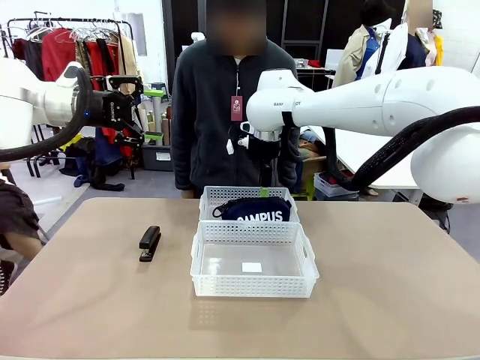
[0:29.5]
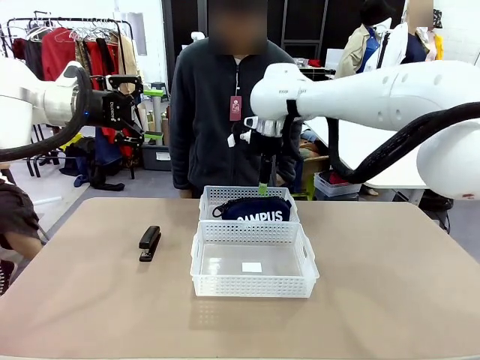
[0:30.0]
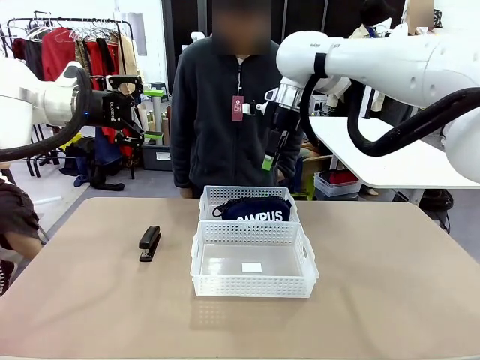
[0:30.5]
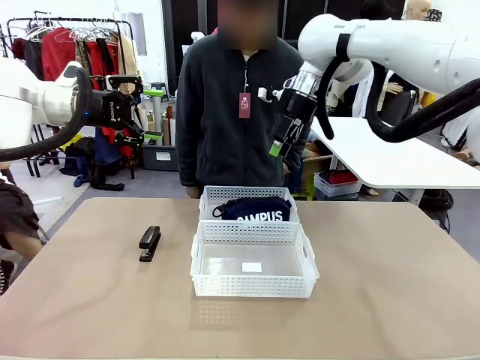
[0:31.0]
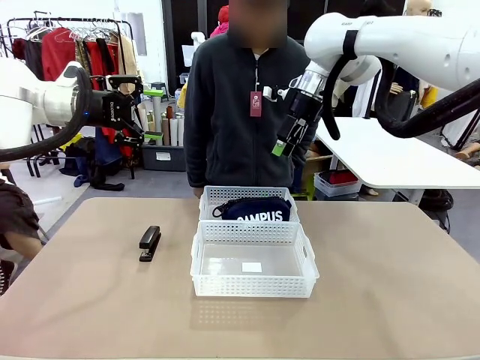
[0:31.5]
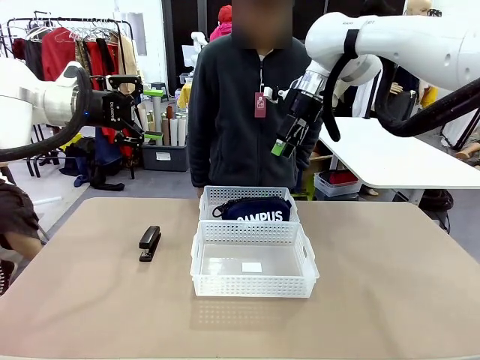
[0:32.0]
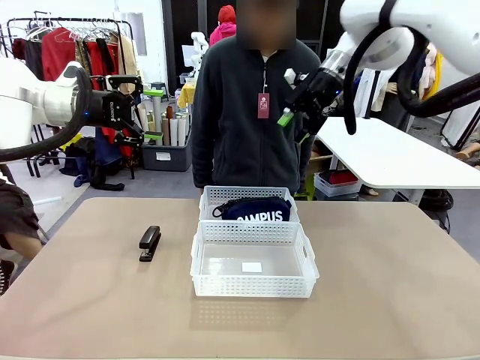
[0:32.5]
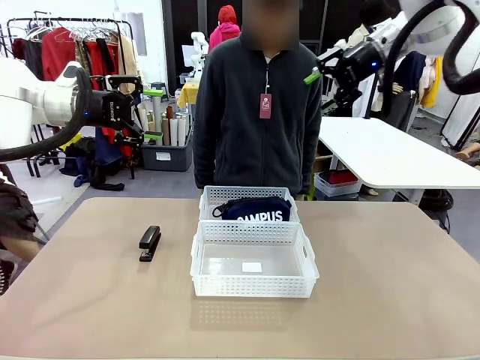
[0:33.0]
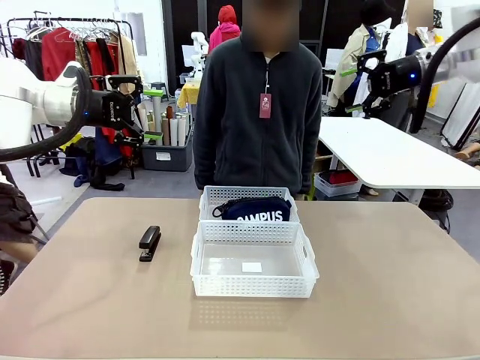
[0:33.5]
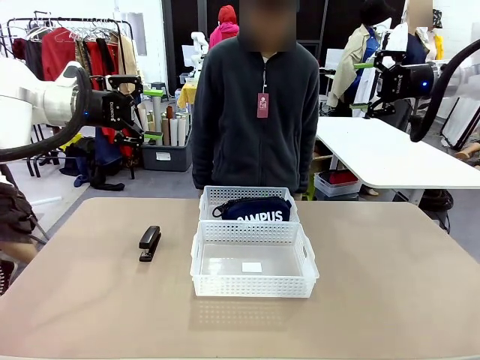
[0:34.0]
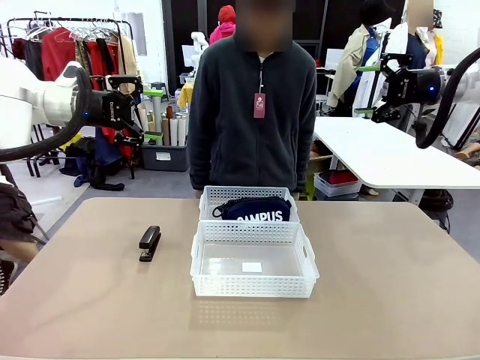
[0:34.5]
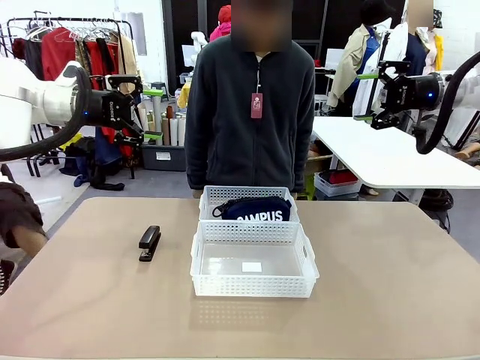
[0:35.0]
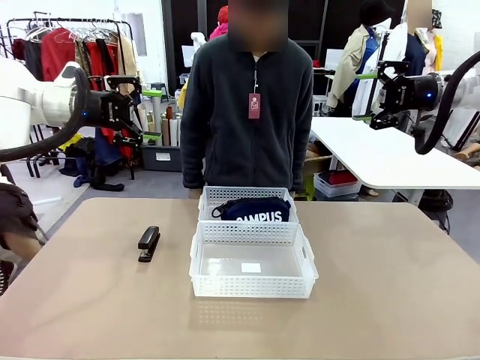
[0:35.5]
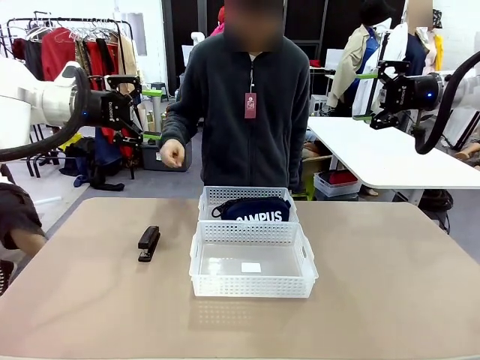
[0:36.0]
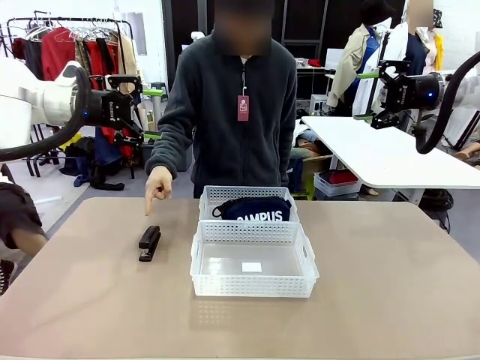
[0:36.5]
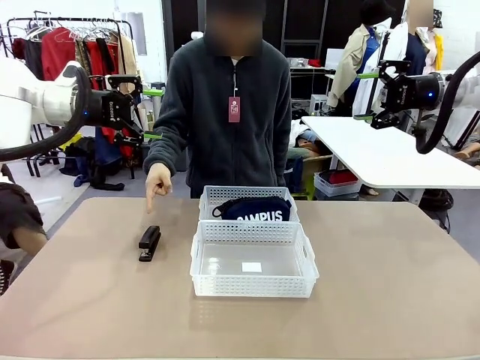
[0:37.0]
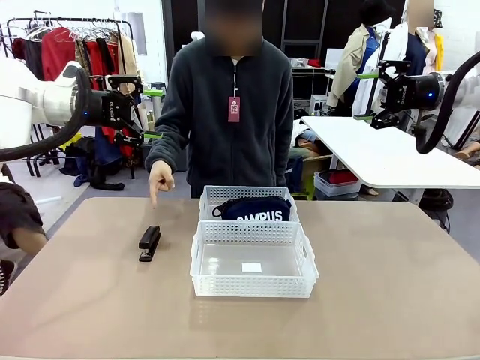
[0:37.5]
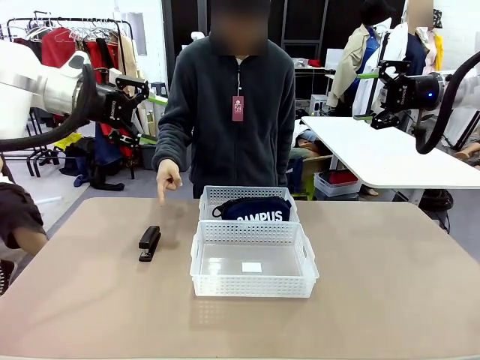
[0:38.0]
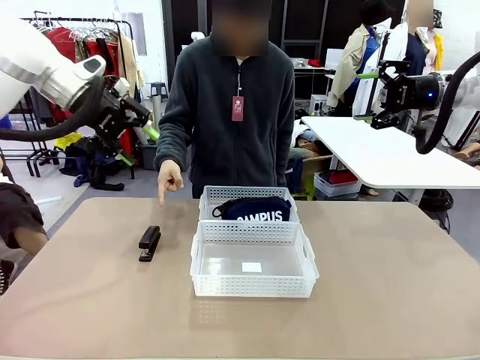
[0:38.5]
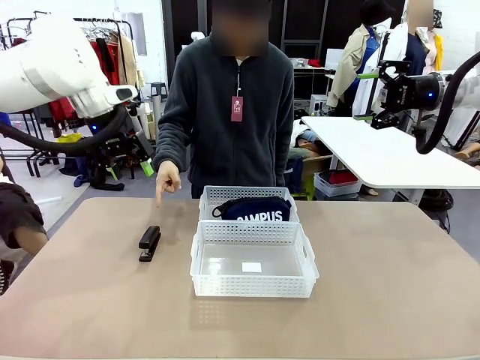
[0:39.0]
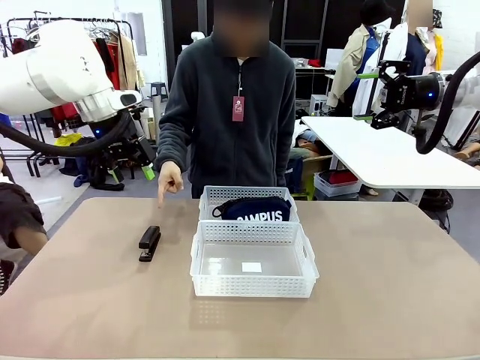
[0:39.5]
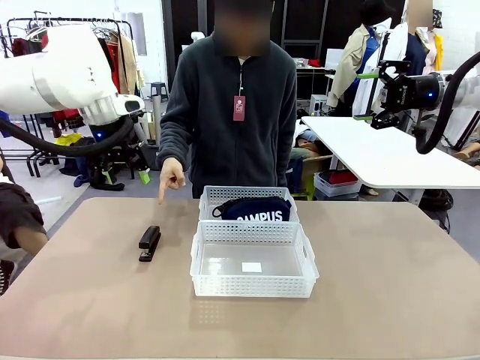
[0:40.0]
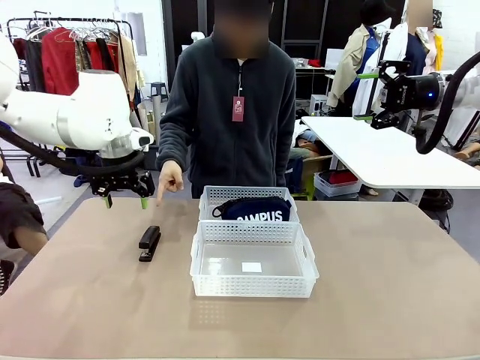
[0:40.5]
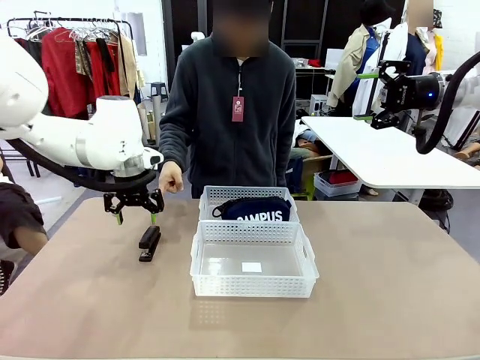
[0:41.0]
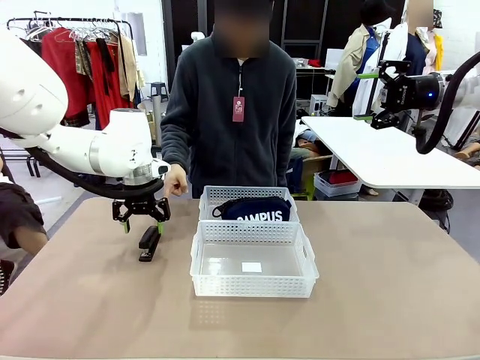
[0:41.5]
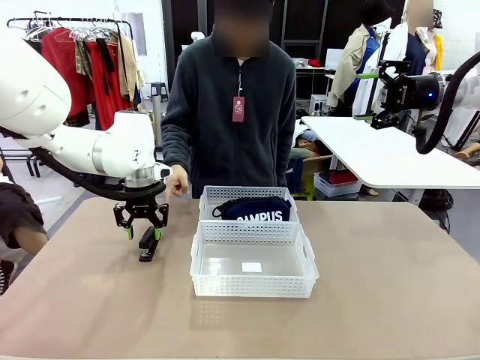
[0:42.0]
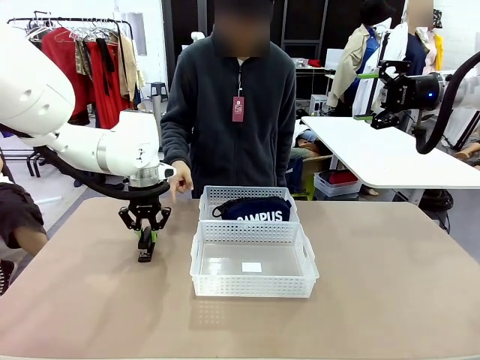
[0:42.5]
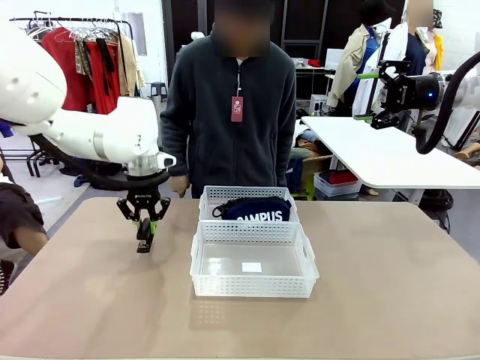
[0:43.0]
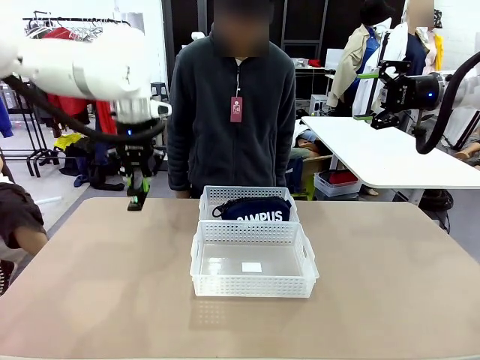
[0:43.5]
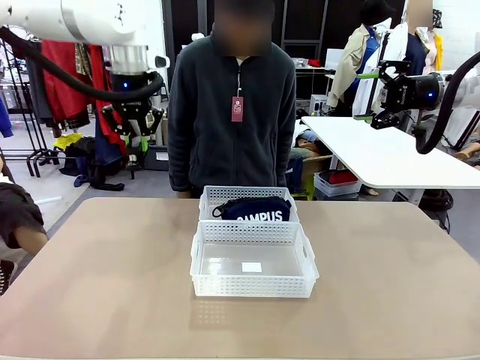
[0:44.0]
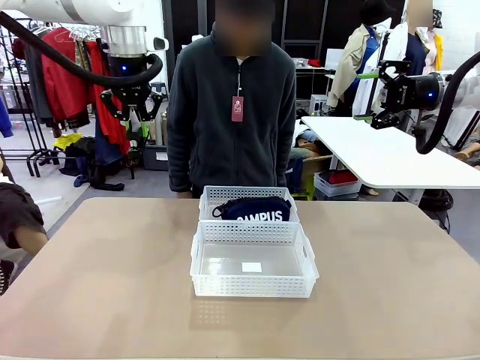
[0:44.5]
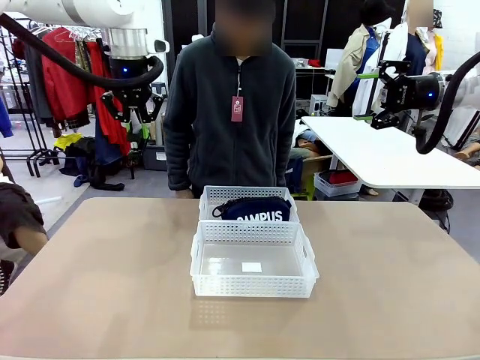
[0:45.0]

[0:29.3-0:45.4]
Task: Distribute items into two baskets.
Robot: Pick up the Stapler that the person points to.
Person: Points to the stapler.

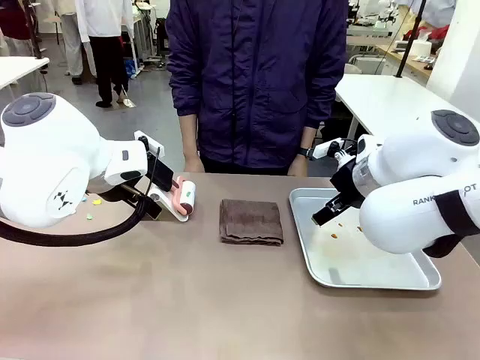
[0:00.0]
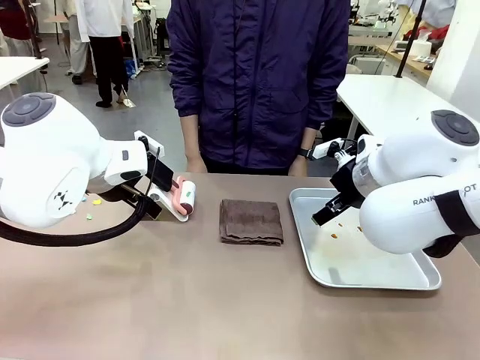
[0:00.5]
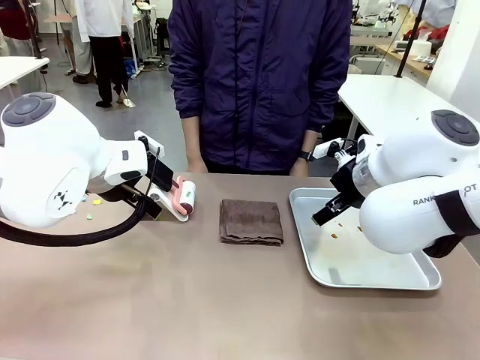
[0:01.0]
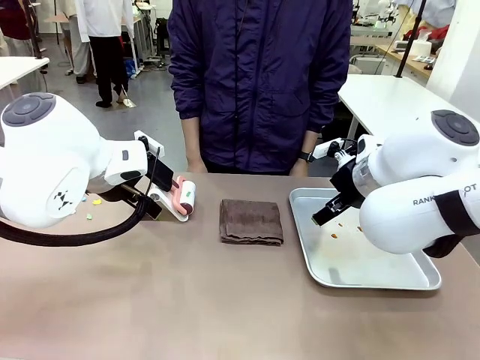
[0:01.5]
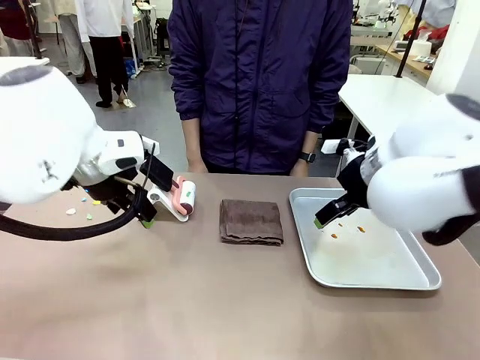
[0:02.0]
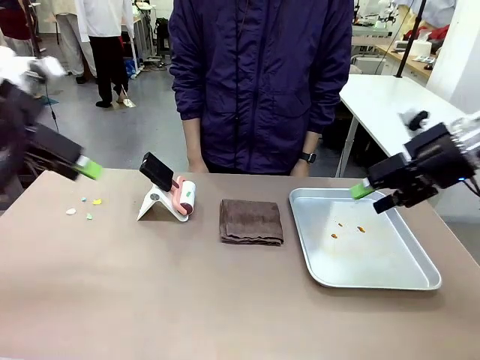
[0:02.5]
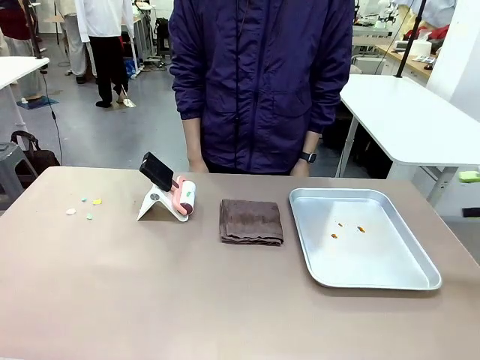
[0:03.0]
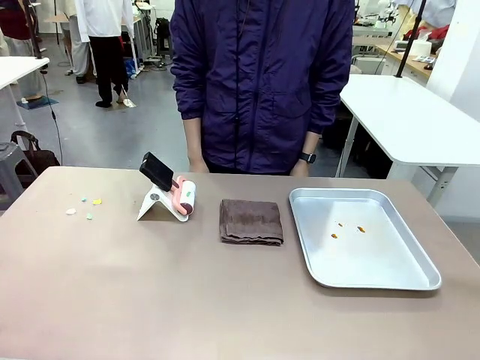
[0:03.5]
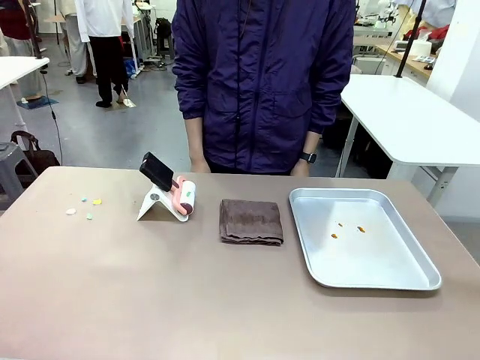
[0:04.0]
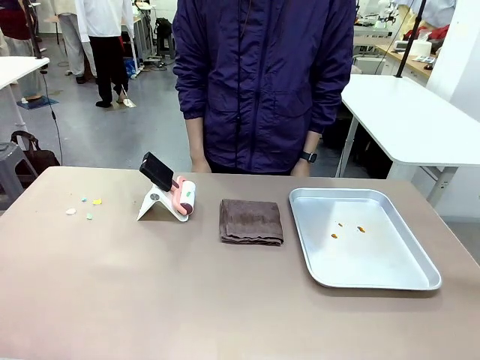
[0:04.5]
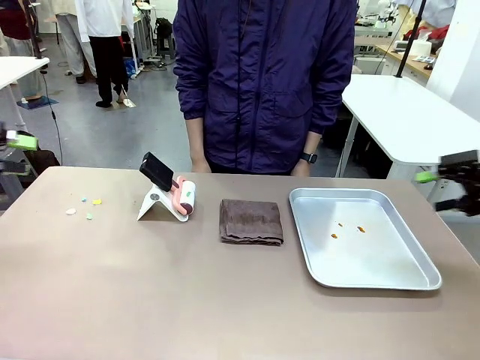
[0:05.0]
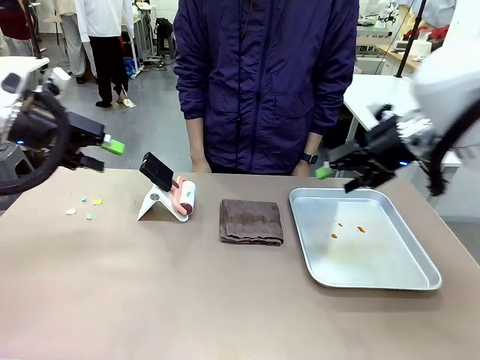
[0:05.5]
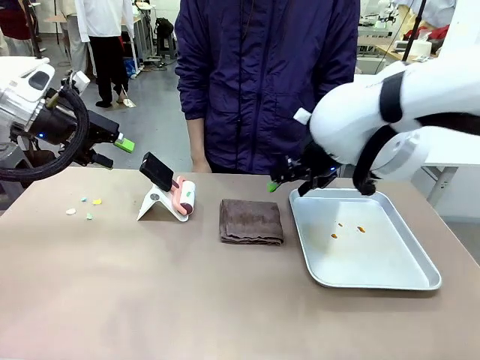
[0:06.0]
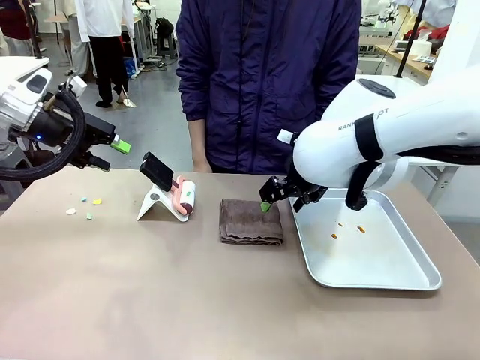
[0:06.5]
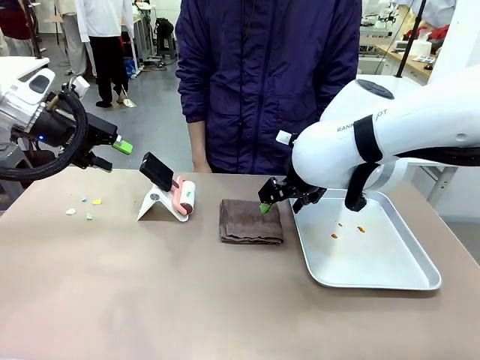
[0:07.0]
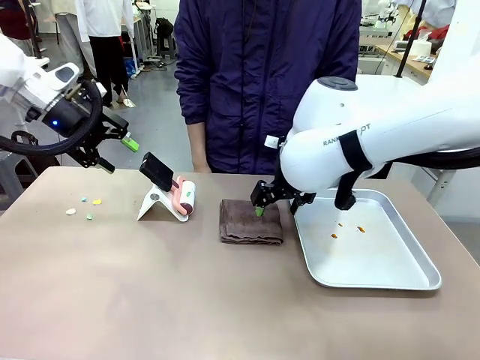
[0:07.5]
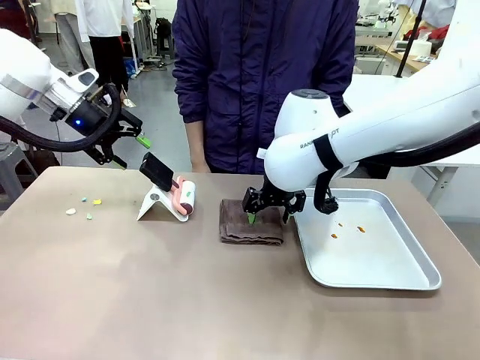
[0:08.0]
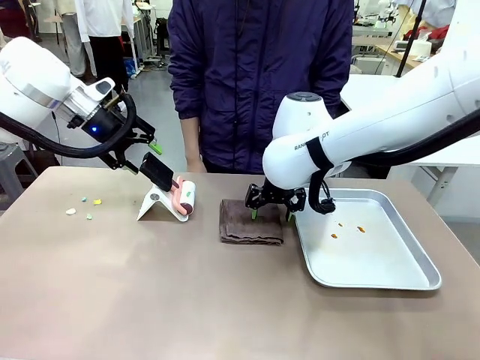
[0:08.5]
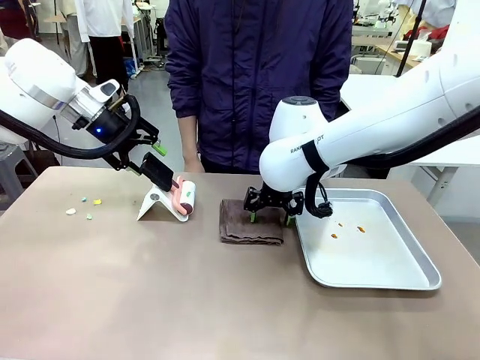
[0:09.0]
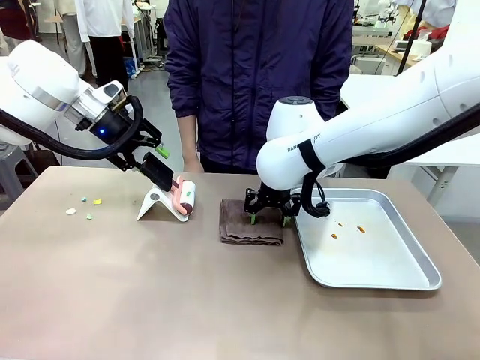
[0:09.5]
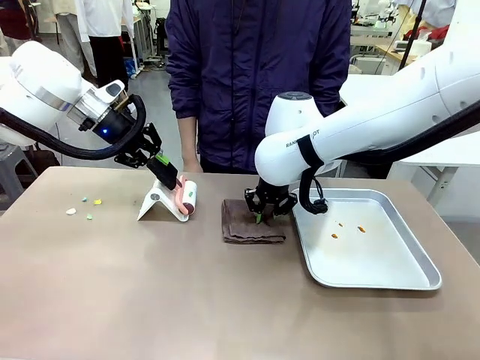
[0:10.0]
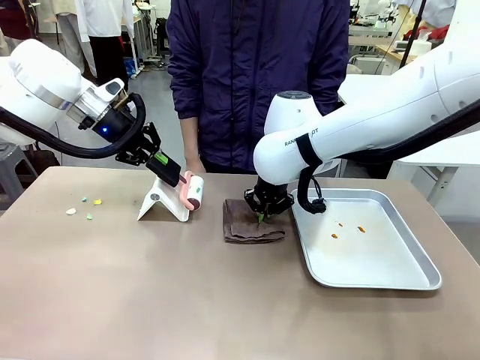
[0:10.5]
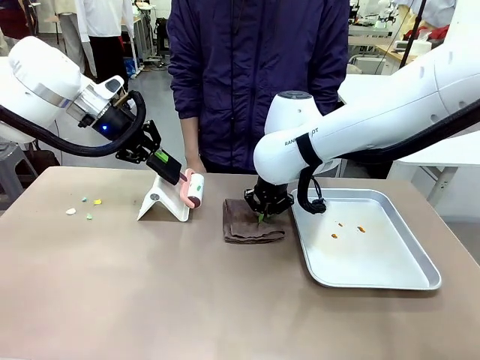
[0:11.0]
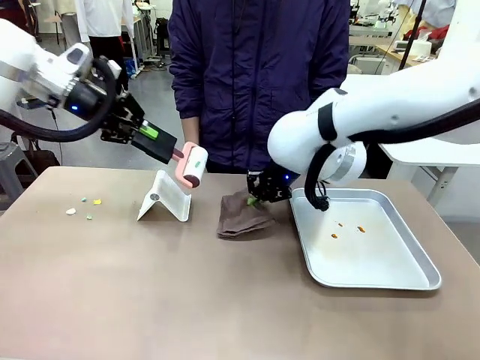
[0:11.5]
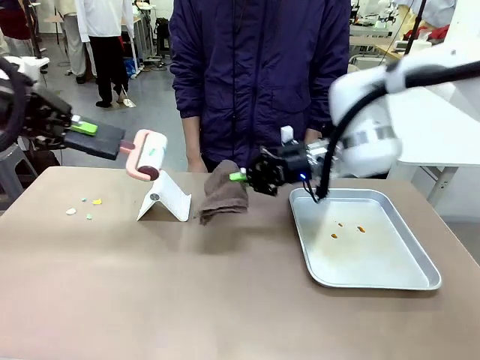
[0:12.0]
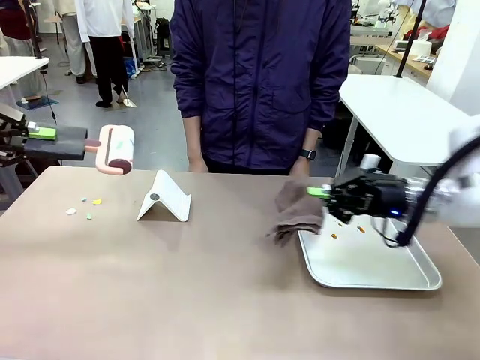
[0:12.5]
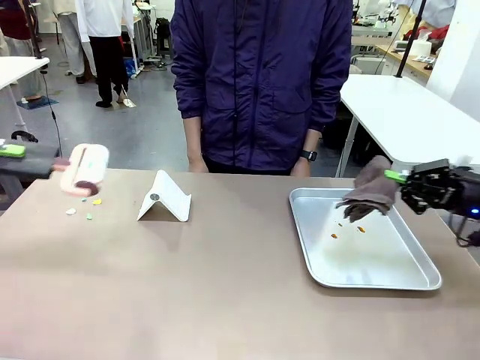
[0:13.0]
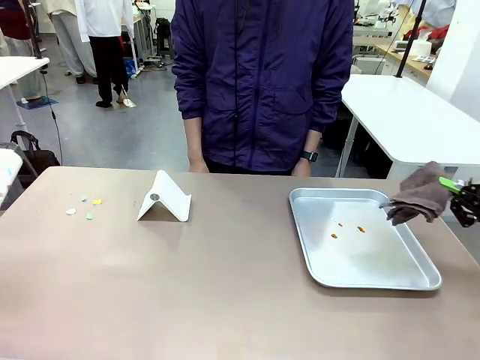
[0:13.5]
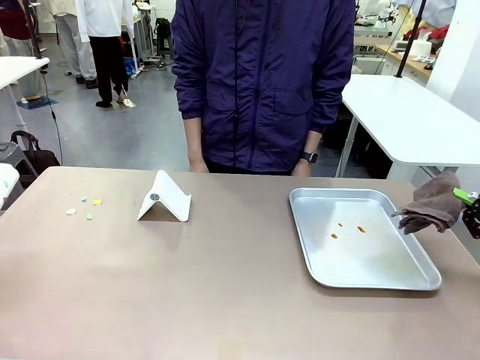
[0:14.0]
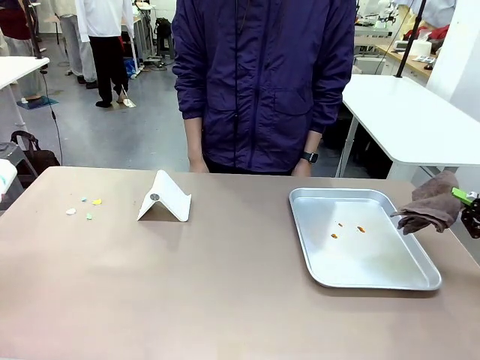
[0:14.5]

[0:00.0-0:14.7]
Task: Clean the surface of the table.
Robot: Hold the Lint Roller with your left hand and the towel with your right hand.
